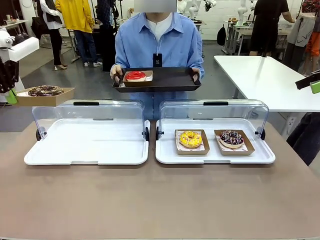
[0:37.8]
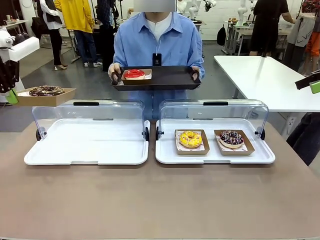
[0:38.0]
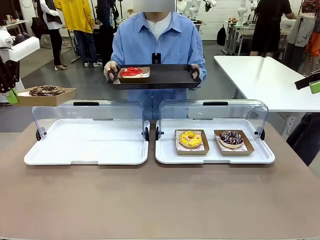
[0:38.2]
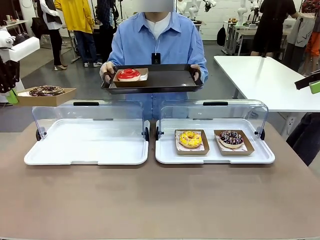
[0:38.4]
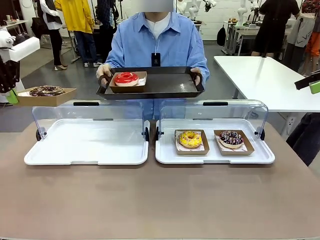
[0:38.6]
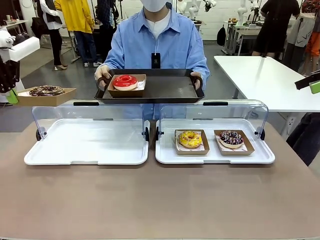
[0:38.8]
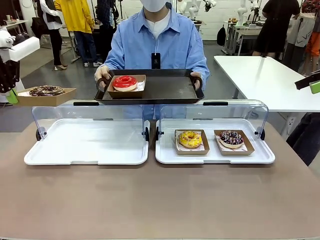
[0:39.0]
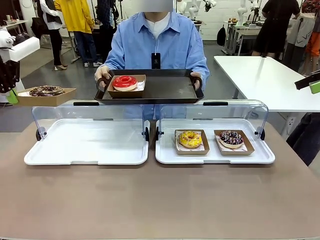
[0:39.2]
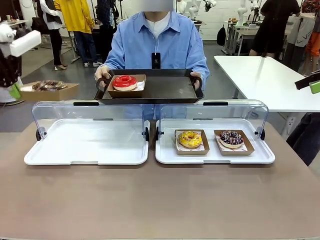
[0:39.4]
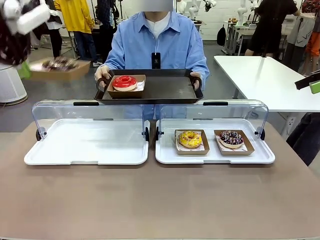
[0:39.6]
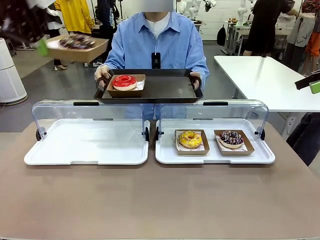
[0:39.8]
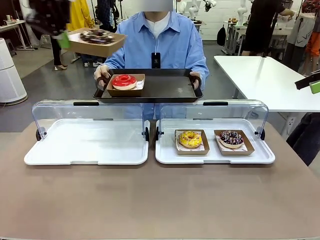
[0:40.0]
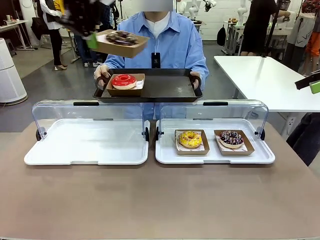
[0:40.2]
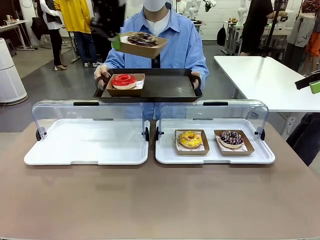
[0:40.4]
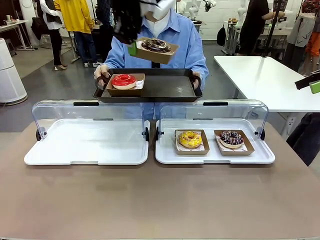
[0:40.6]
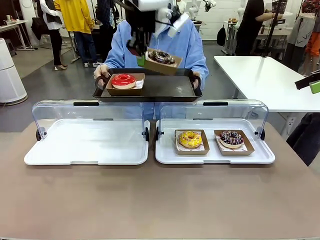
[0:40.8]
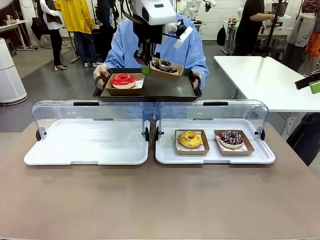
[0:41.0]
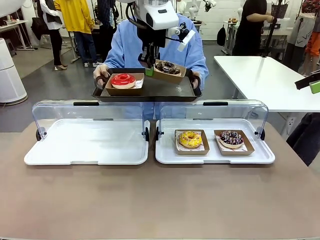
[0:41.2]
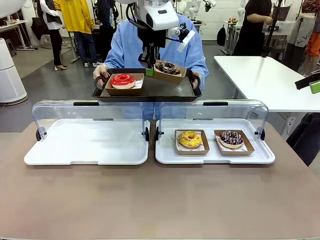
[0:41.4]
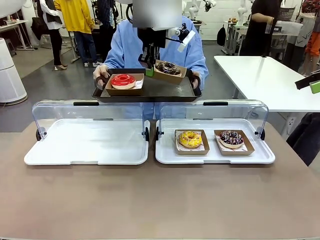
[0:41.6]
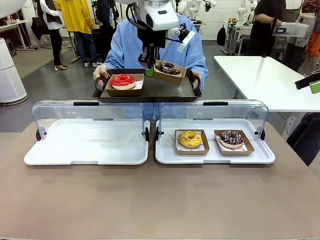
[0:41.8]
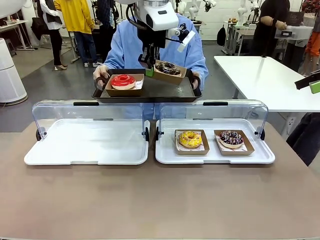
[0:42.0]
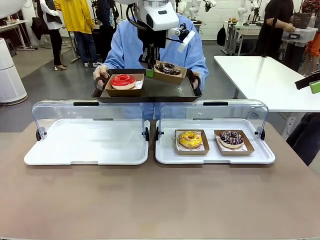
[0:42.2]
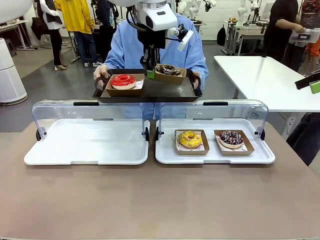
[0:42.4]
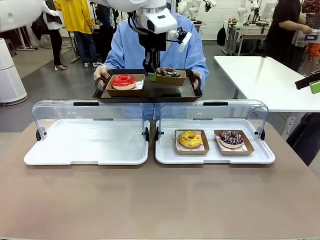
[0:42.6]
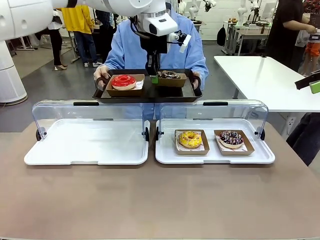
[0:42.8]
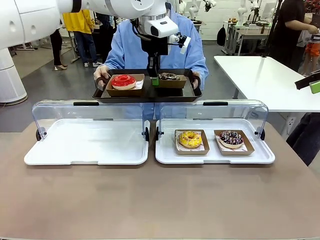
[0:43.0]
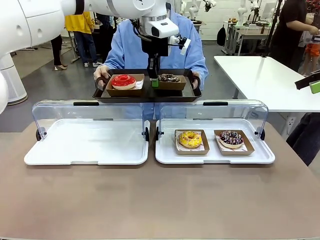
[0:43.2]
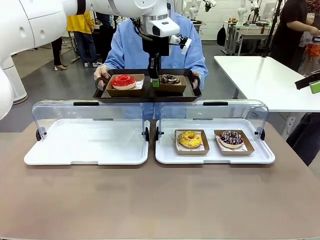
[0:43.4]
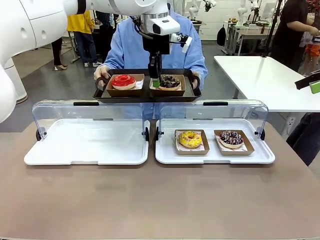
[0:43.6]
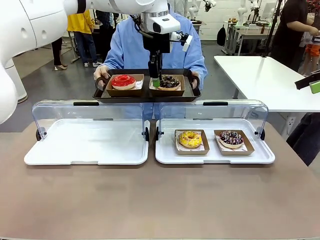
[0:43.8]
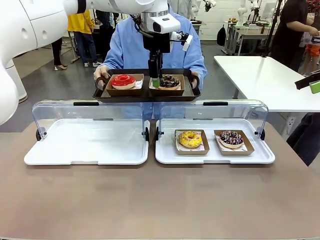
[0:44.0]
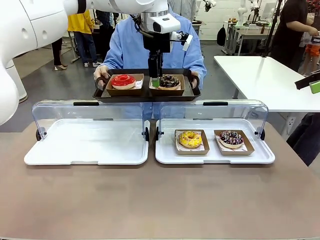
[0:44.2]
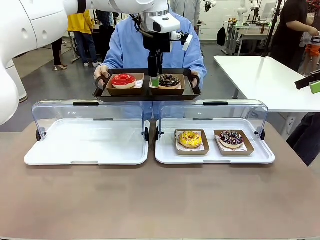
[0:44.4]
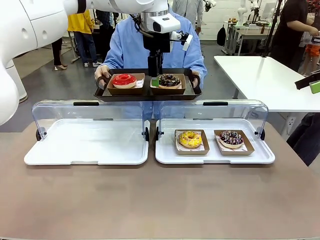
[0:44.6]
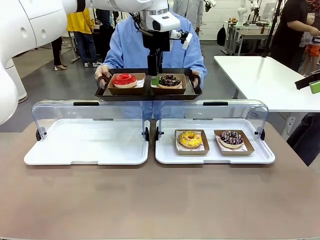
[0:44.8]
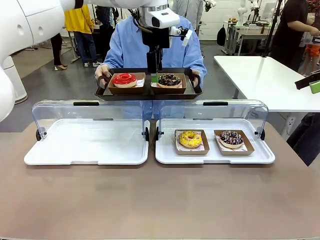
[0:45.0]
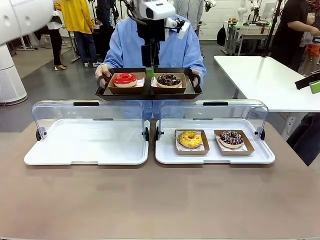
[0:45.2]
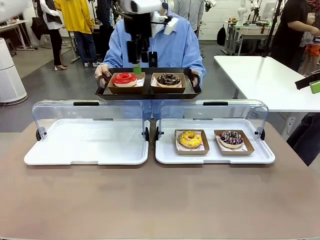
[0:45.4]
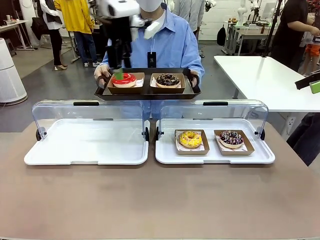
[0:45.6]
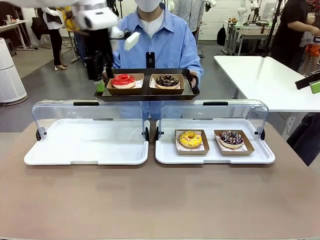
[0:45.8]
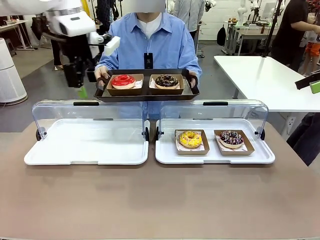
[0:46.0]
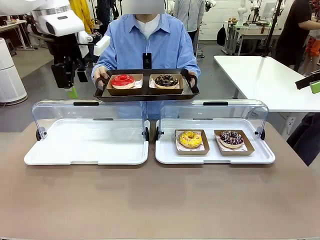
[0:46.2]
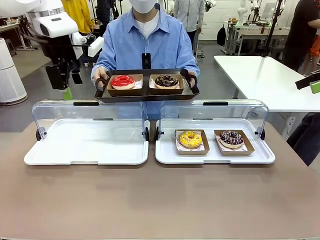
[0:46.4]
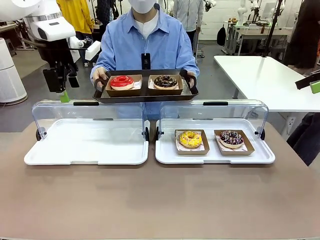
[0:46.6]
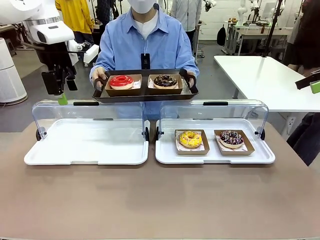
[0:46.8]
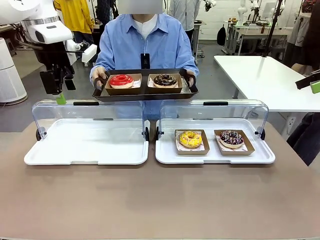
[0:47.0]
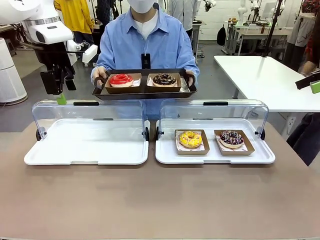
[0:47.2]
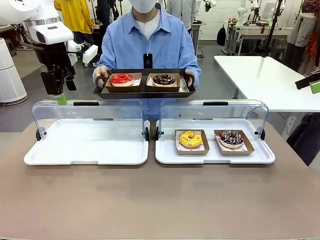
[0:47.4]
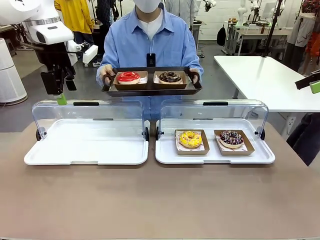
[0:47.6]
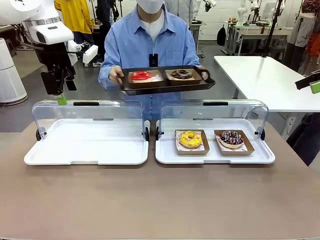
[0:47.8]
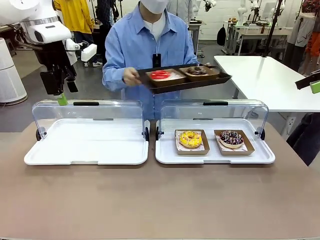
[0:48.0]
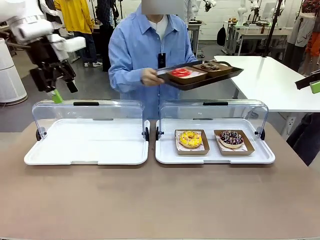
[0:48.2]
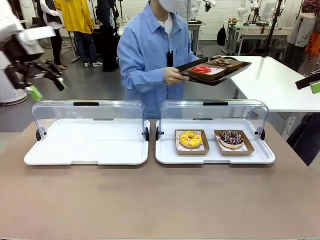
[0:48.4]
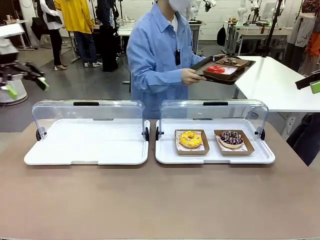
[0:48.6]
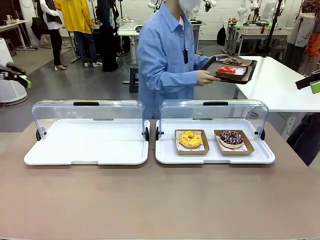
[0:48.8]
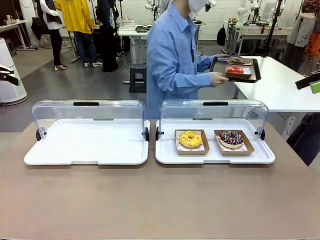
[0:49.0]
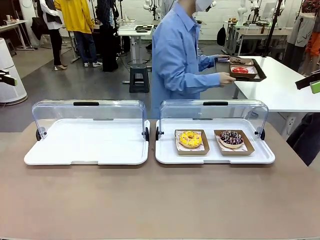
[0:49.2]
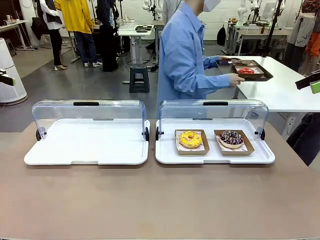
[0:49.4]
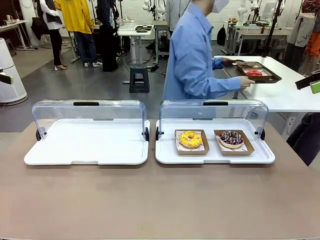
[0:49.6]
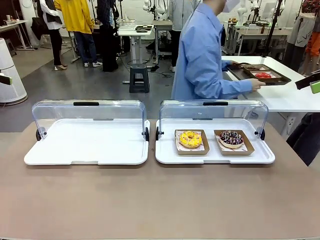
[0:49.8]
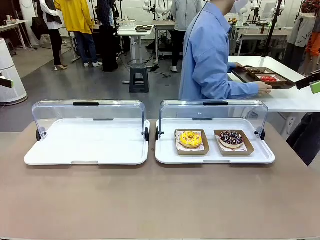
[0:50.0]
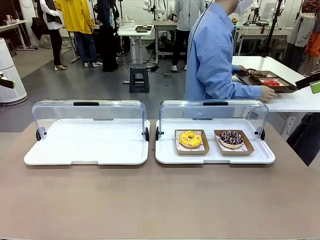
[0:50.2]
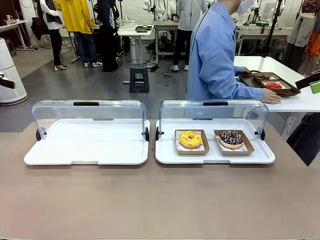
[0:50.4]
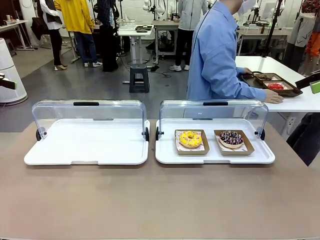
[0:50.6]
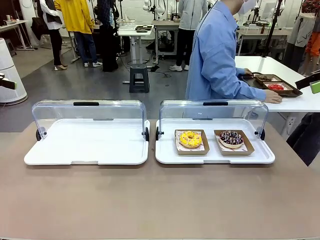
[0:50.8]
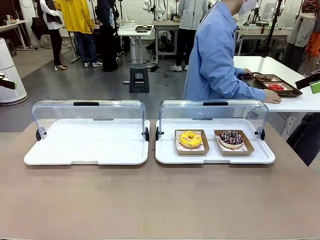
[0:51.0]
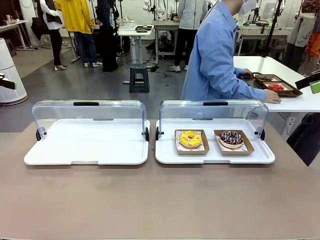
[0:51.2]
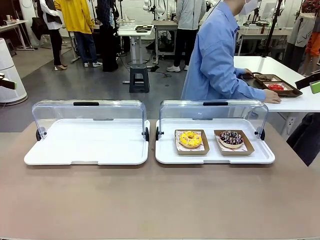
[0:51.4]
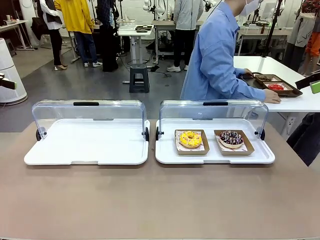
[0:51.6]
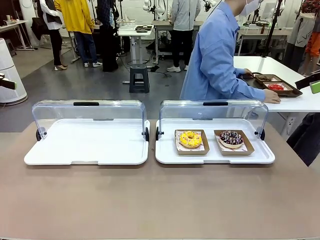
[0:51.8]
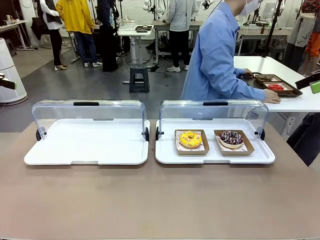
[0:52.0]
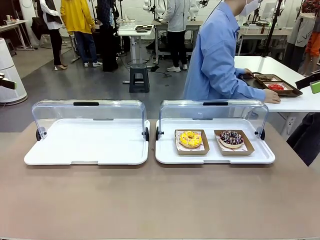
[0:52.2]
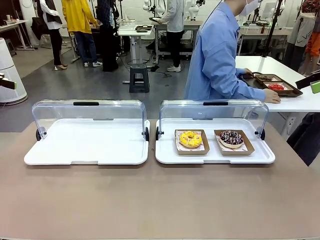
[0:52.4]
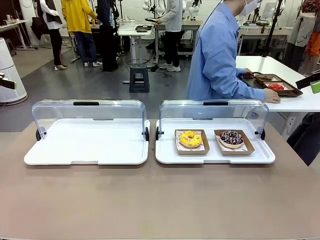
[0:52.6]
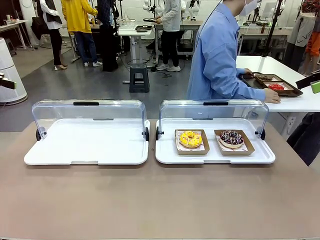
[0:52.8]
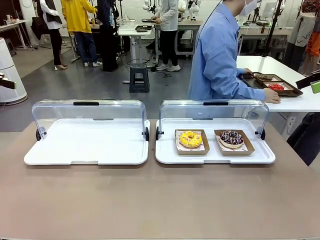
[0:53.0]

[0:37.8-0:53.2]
Task: Provide the desired donut to the person.
Robot: Place the picked Paper togo box onto the Handle tray extended by the person.
Person: Lift the tray onto the Roll-Top Bakery Case. Place the tray in the middle of the human table.
